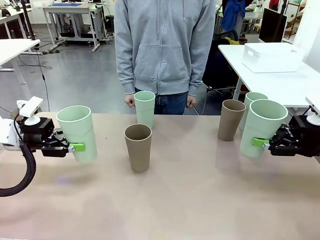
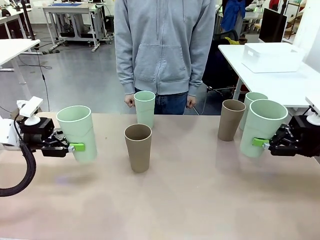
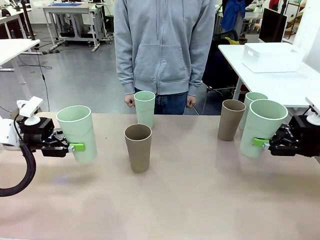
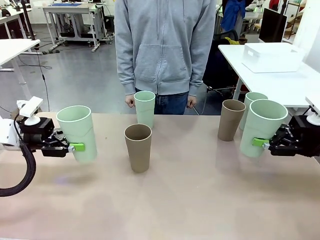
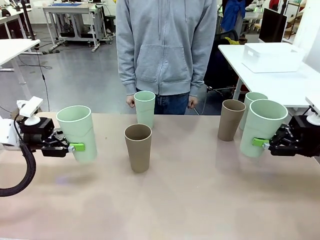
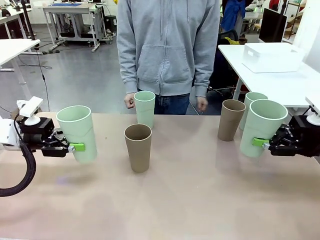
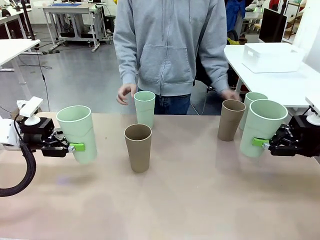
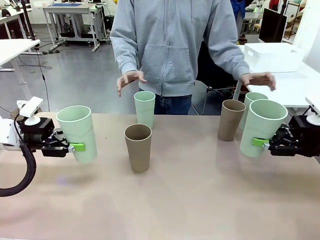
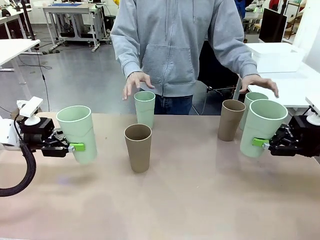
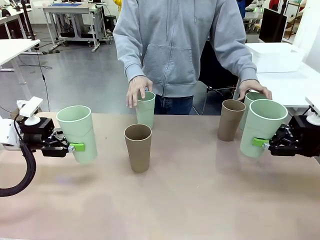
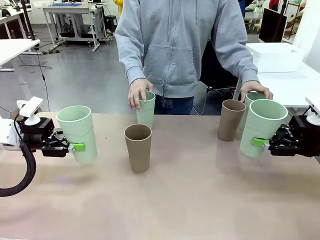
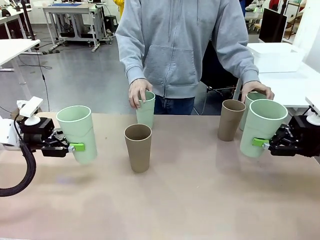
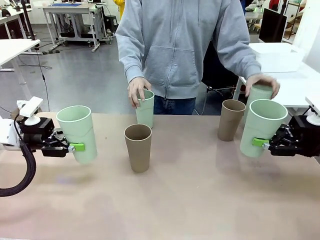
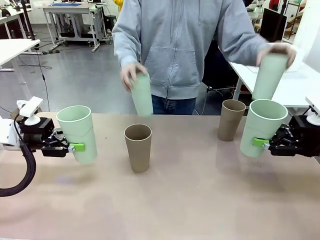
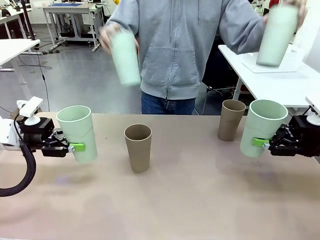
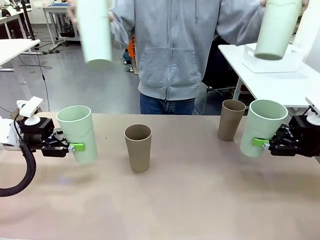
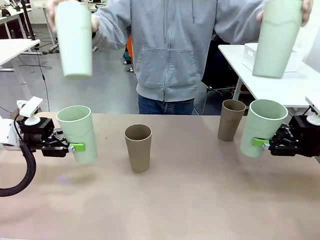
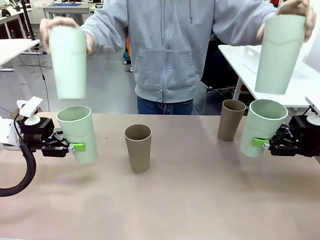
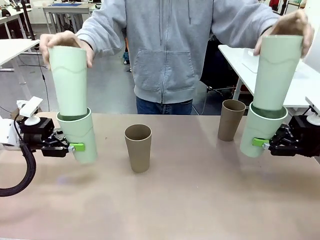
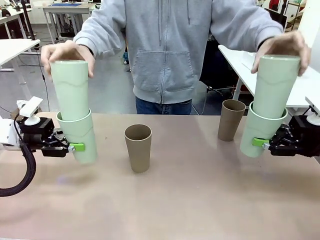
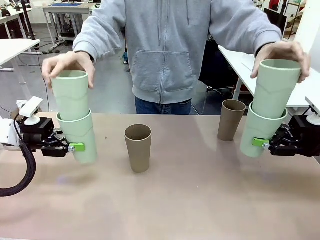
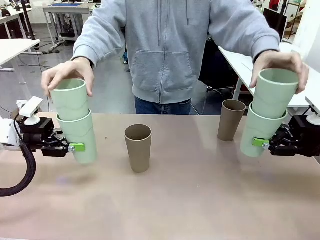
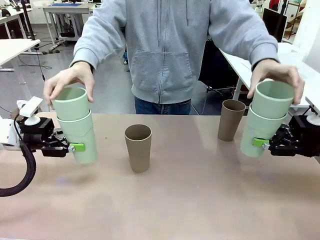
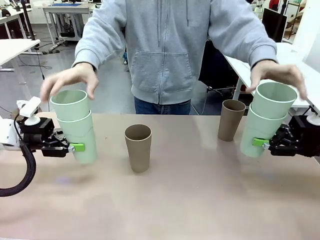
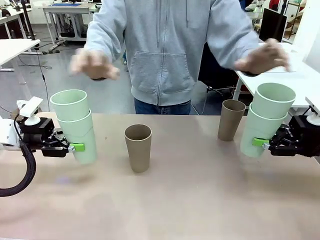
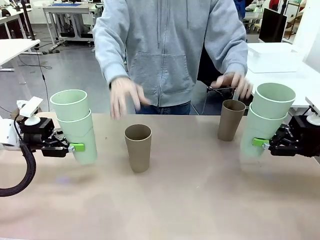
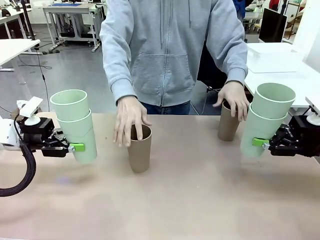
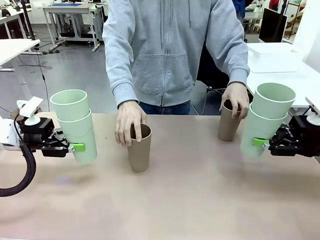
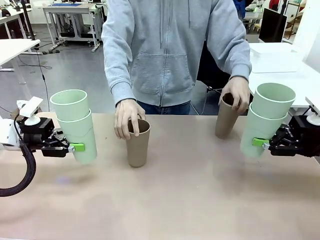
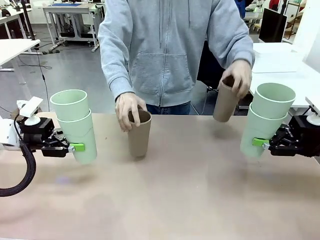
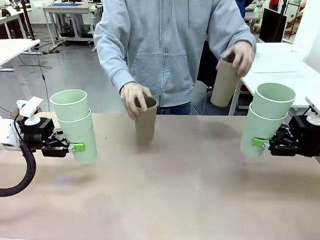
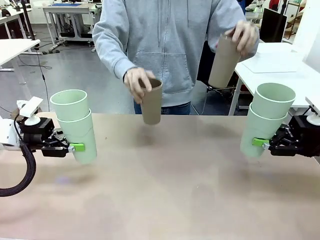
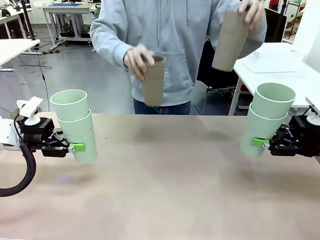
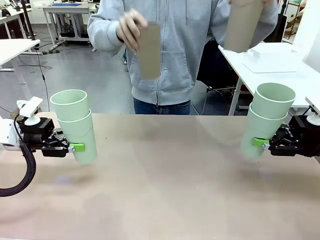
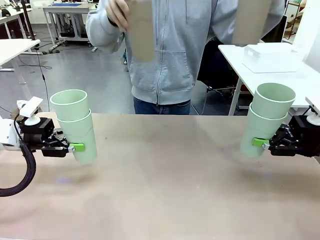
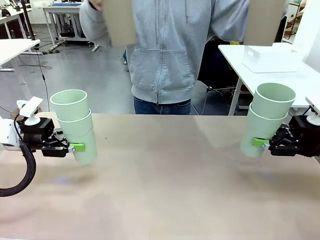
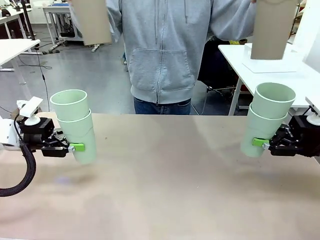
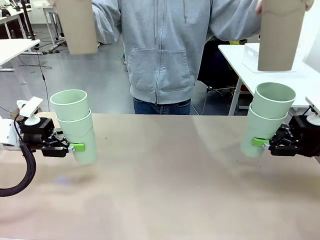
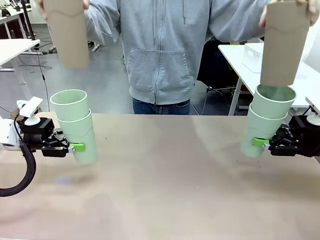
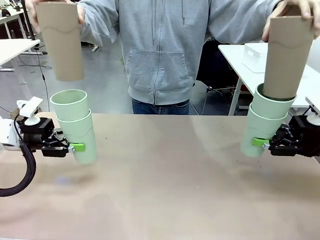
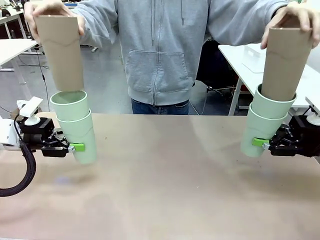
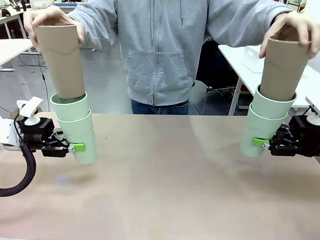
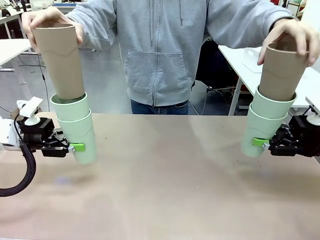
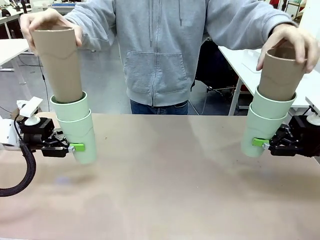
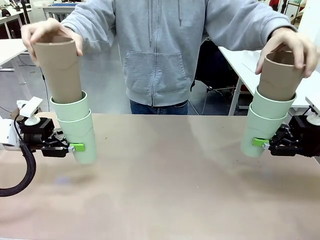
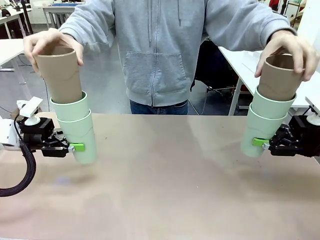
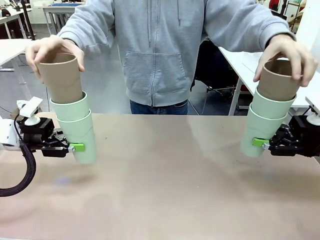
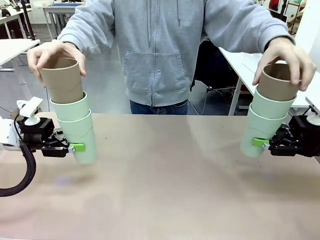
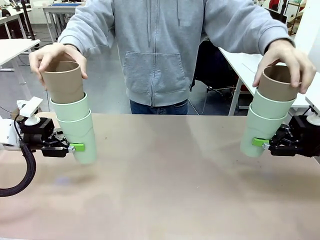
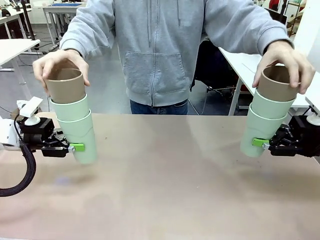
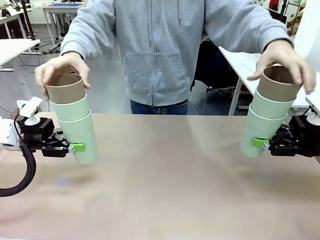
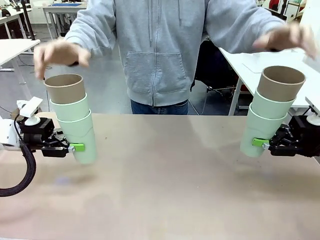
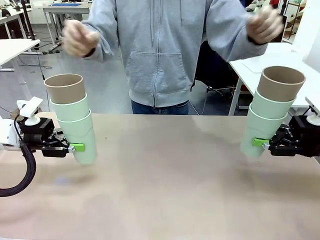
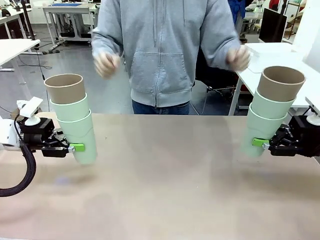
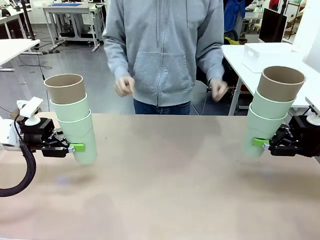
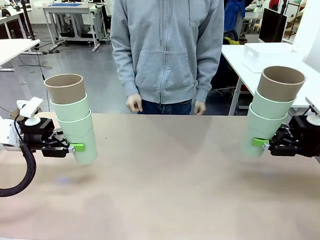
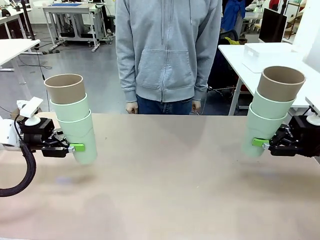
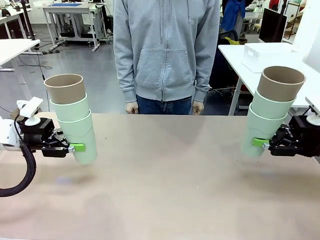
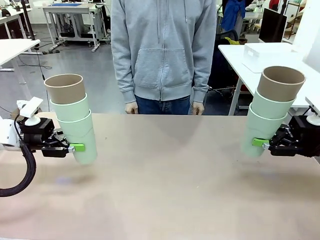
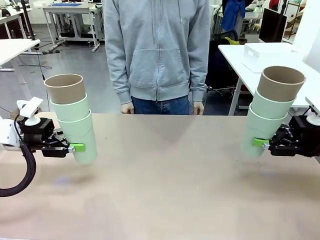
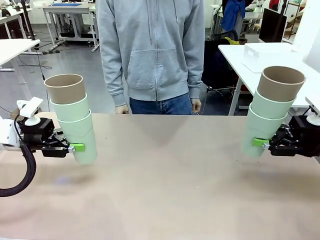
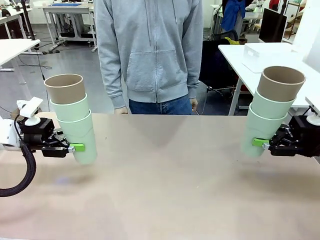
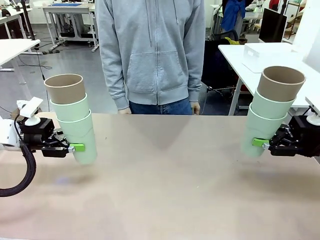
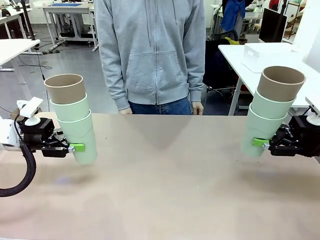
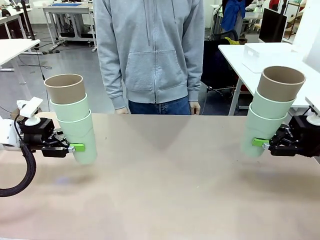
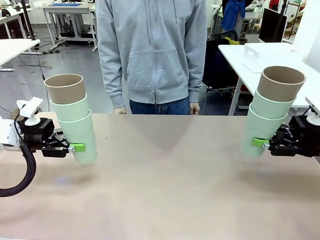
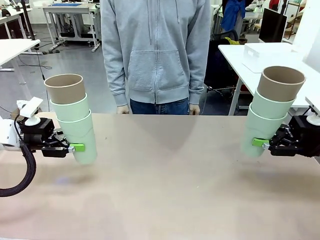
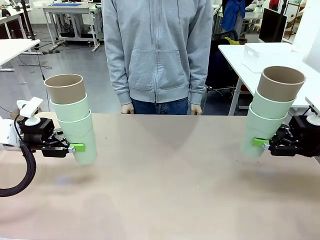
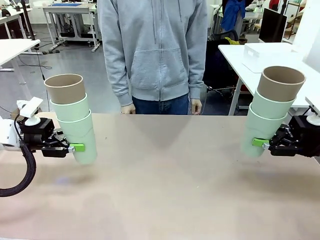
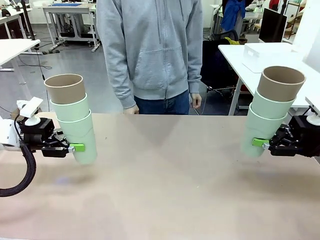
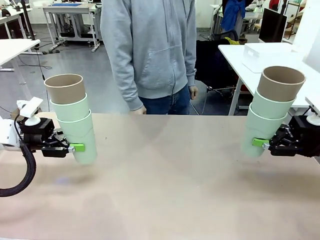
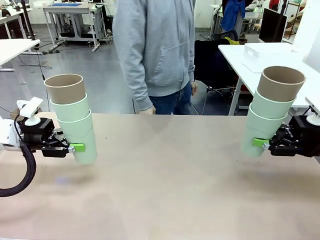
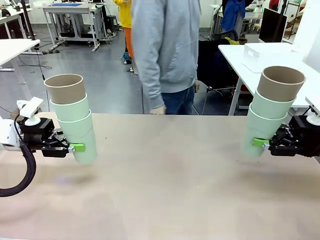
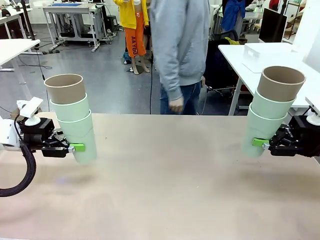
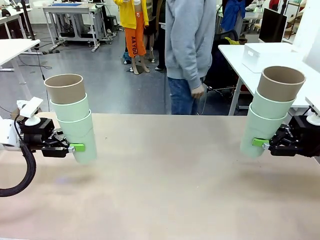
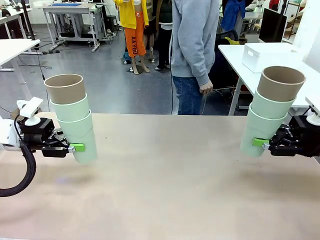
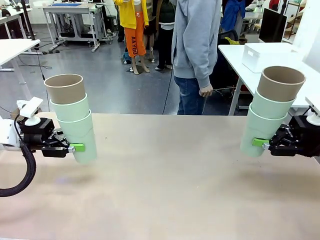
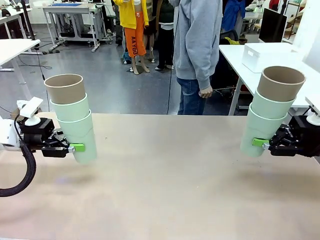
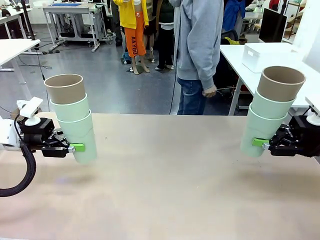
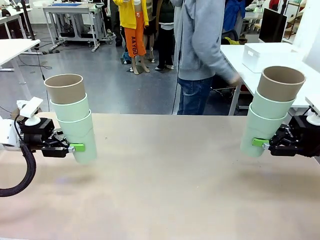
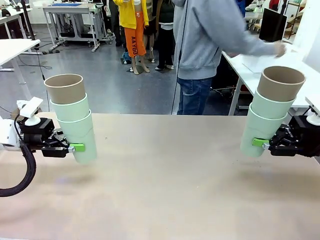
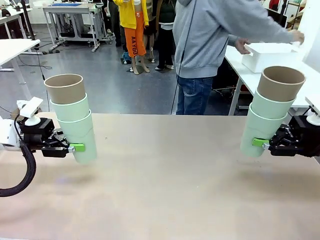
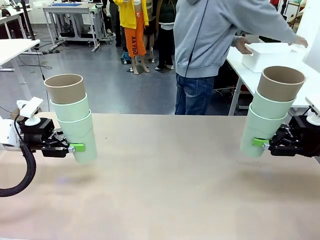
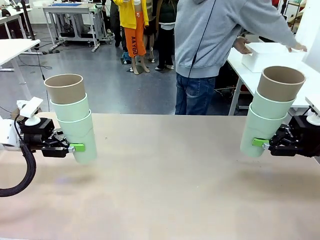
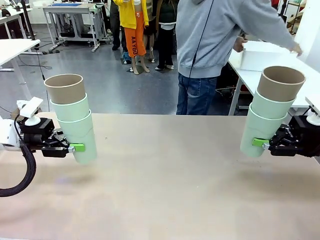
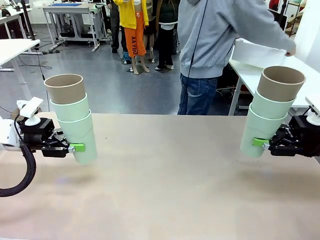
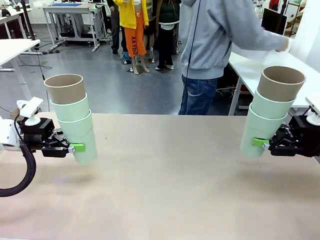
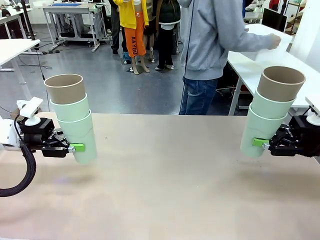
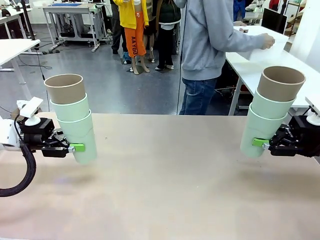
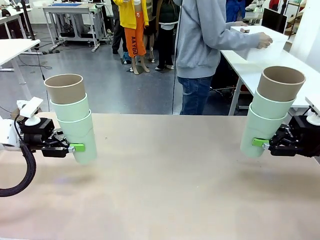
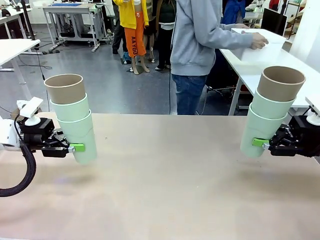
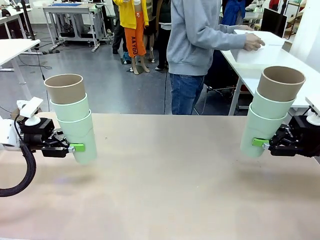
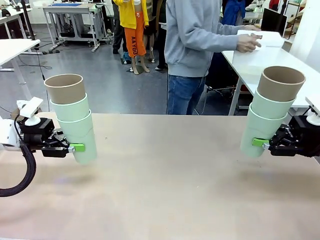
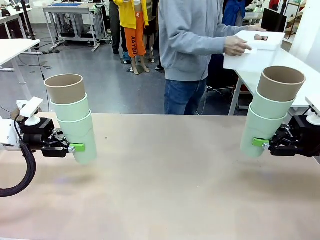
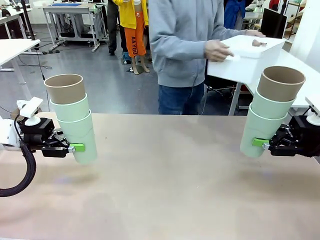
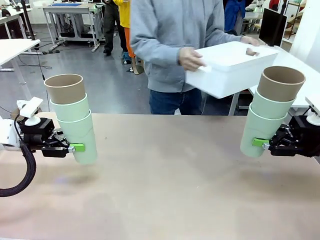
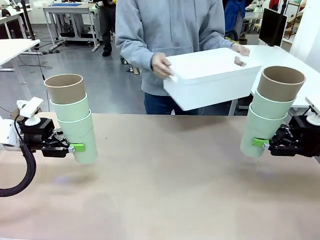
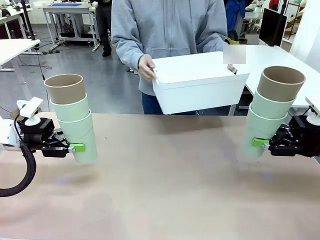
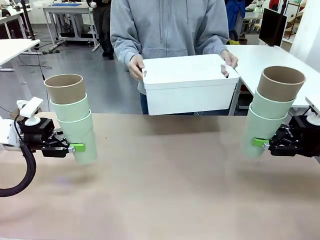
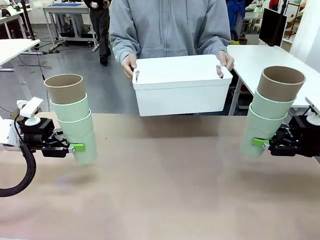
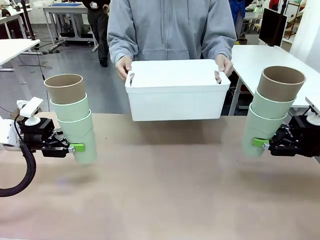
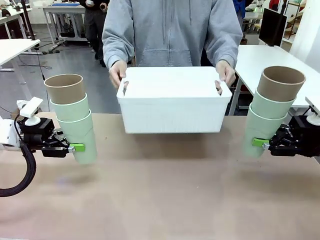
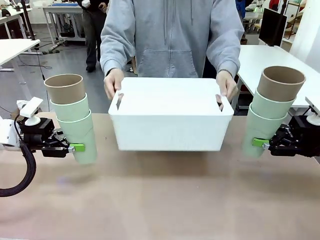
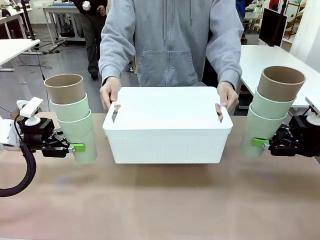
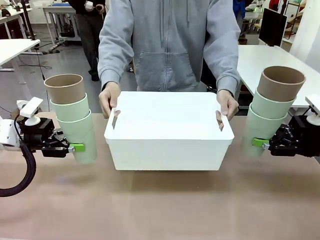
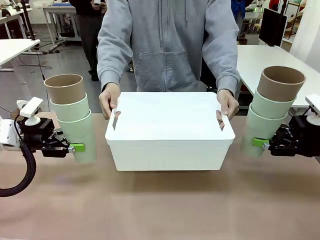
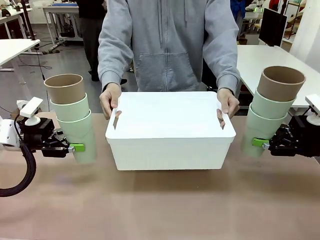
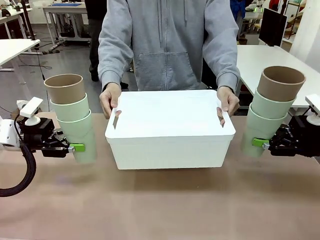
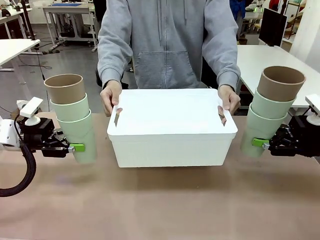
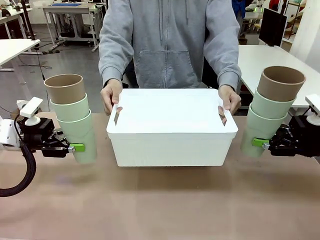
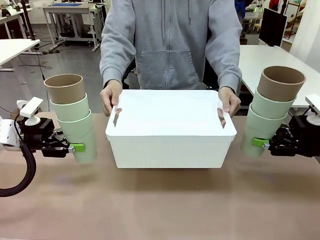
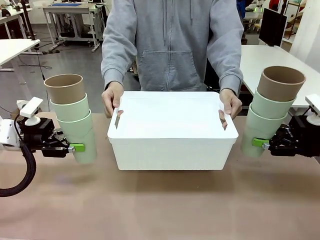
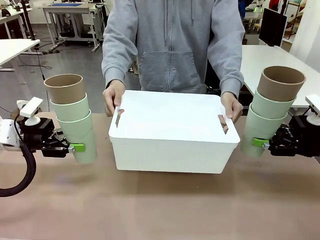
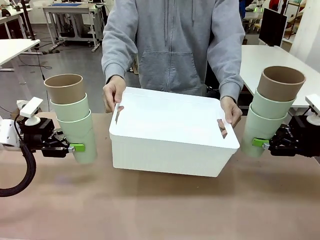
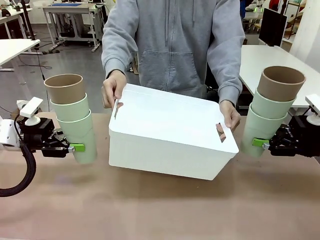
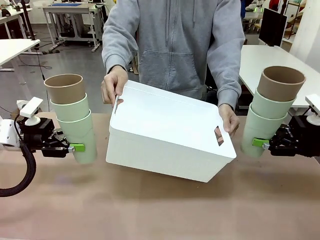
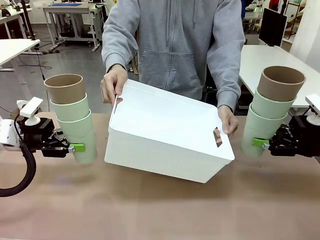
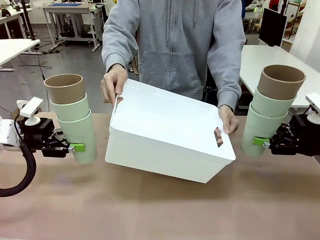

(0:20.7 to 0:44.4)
Task: Stack the cups and store them in the basket.
Robot: Place the stack of Reusable plastic cups into the Pantry Basket.
Person: Pick up the basket from the Human Table, bring it to the front of the robot, and present it.
